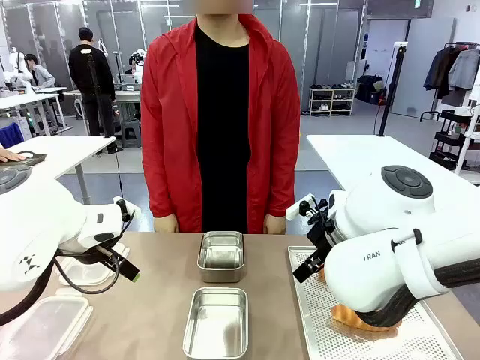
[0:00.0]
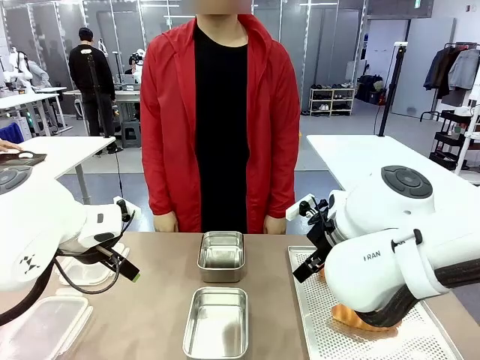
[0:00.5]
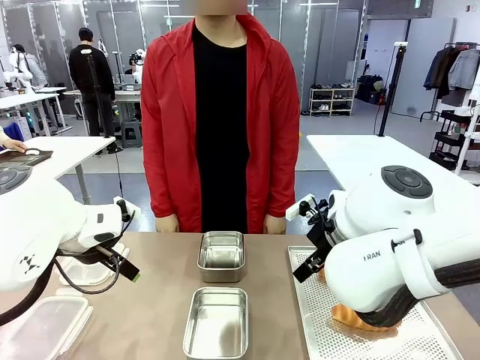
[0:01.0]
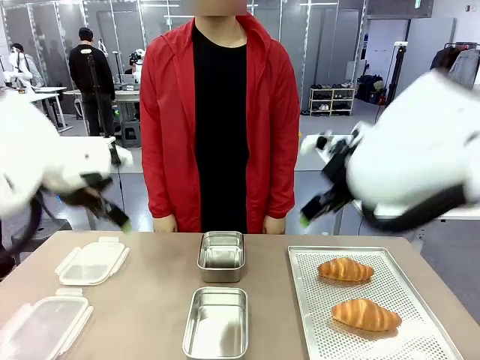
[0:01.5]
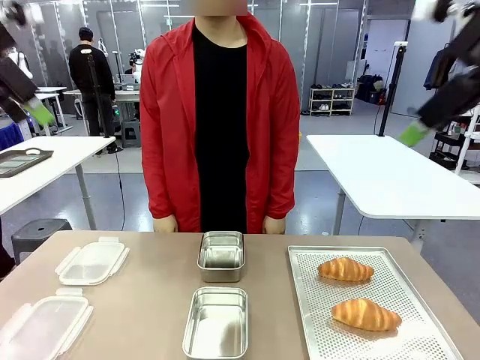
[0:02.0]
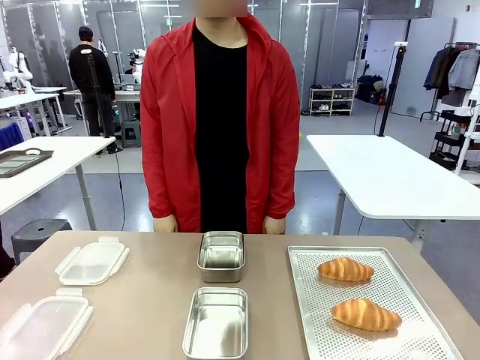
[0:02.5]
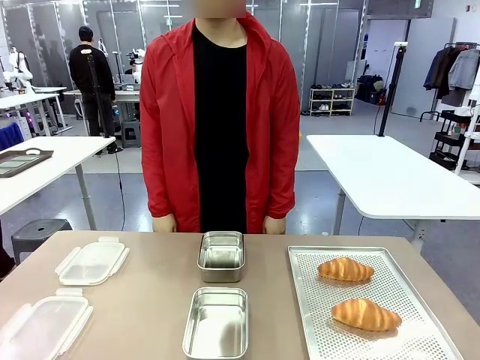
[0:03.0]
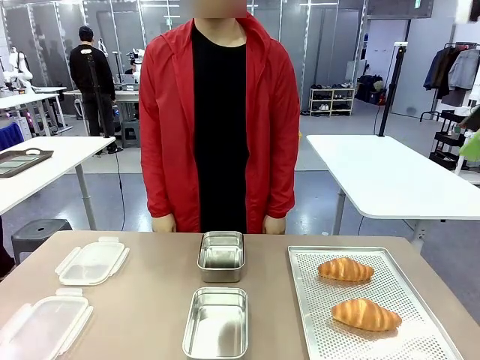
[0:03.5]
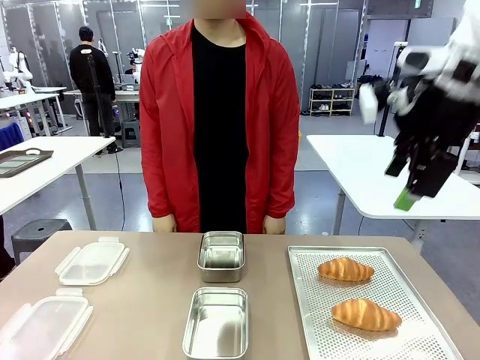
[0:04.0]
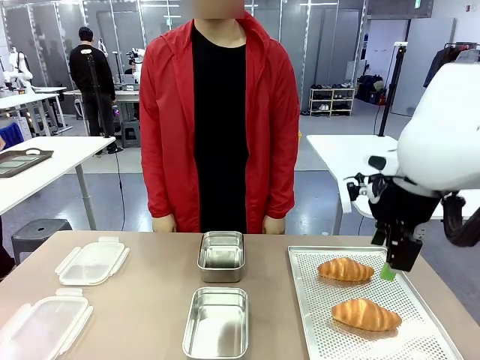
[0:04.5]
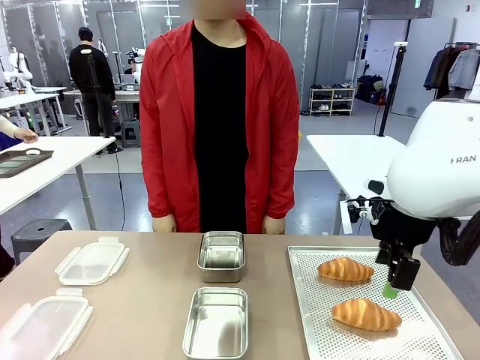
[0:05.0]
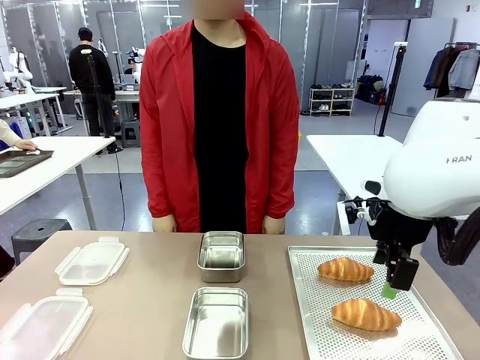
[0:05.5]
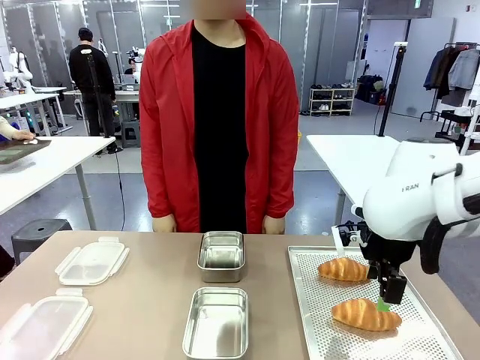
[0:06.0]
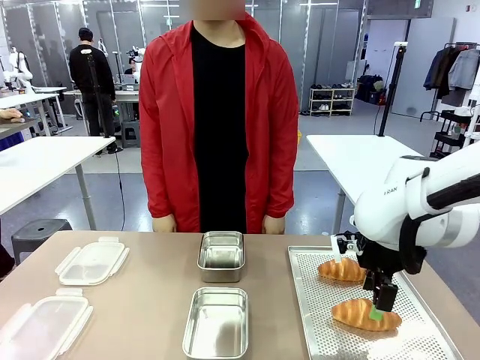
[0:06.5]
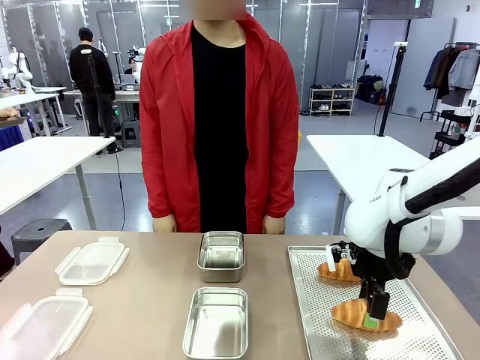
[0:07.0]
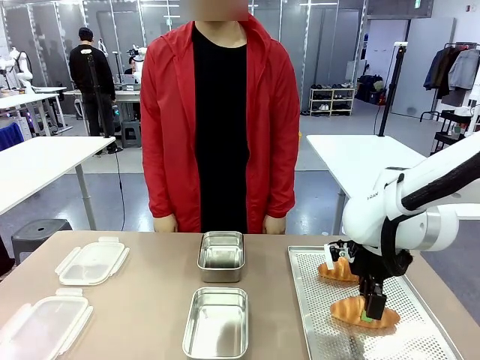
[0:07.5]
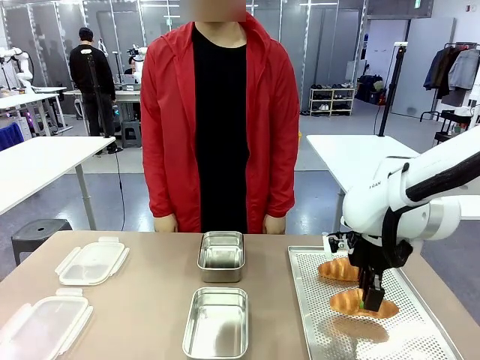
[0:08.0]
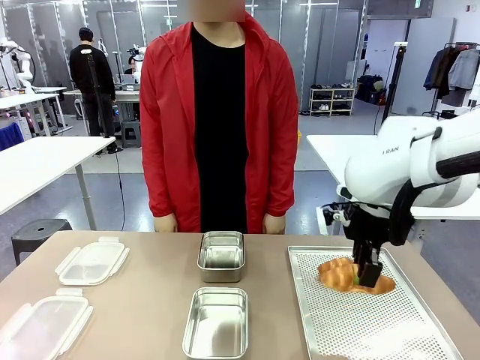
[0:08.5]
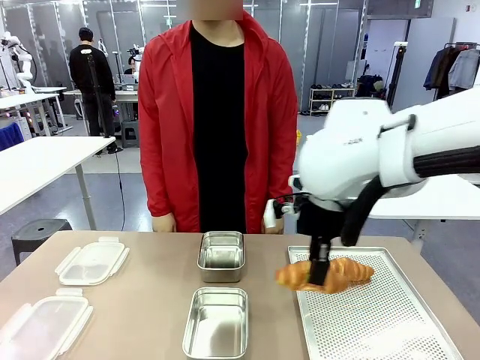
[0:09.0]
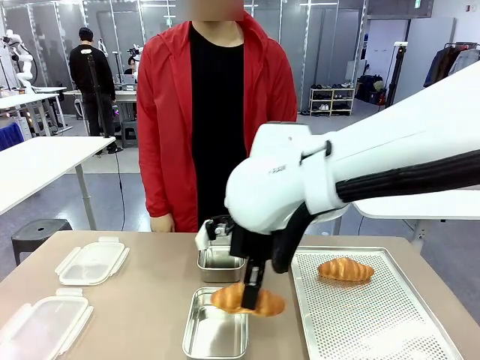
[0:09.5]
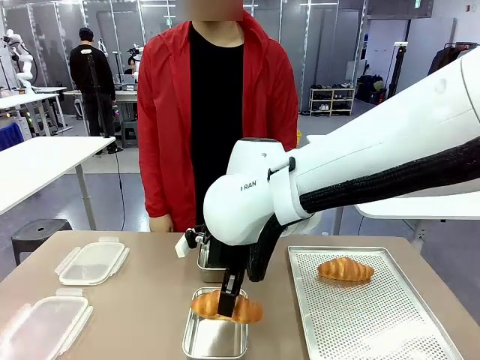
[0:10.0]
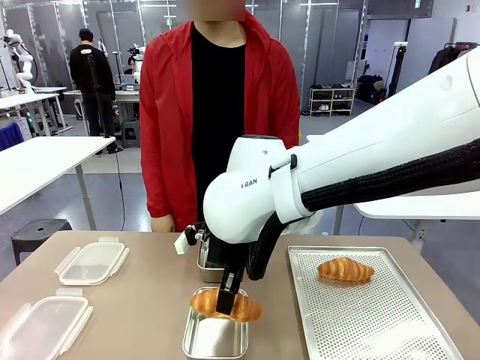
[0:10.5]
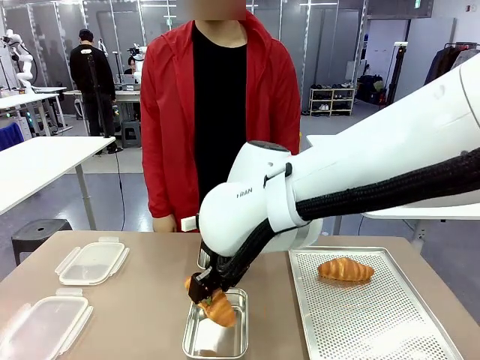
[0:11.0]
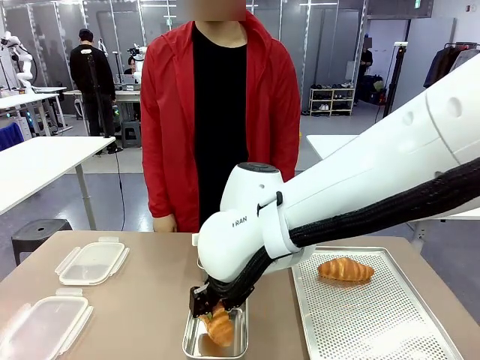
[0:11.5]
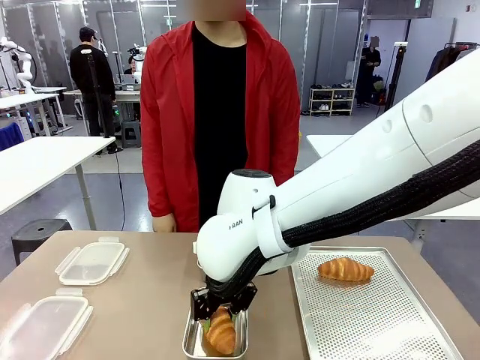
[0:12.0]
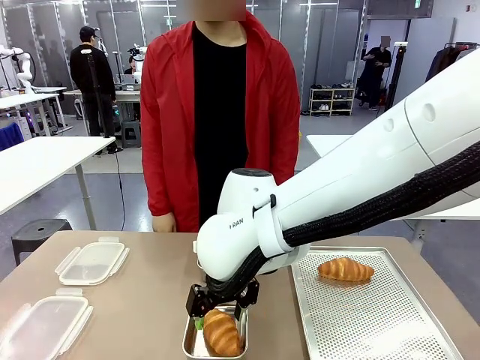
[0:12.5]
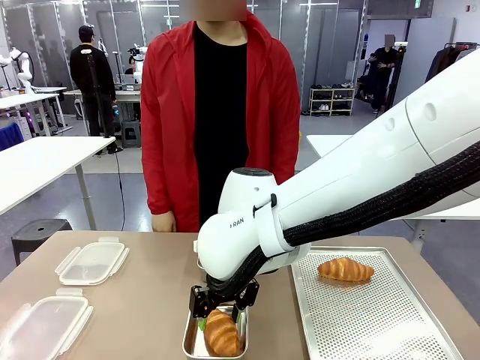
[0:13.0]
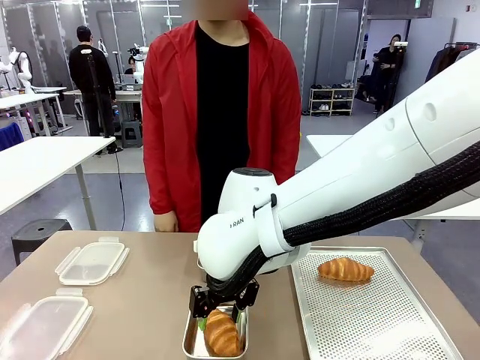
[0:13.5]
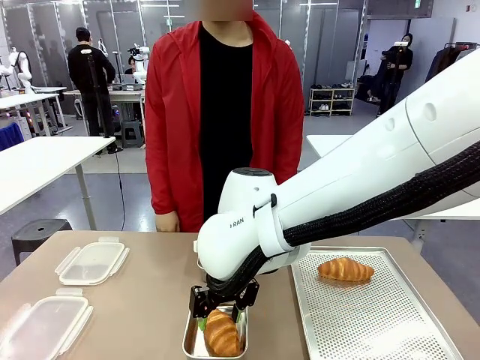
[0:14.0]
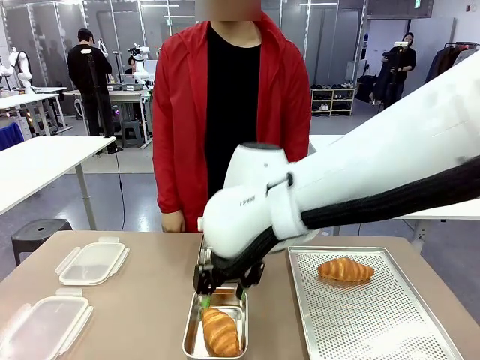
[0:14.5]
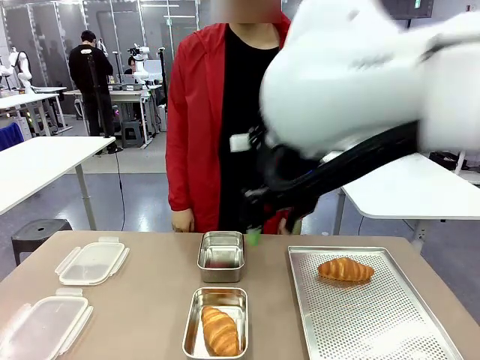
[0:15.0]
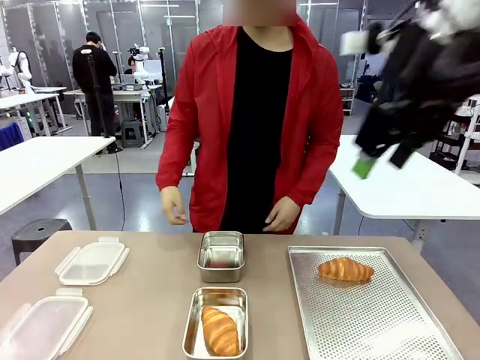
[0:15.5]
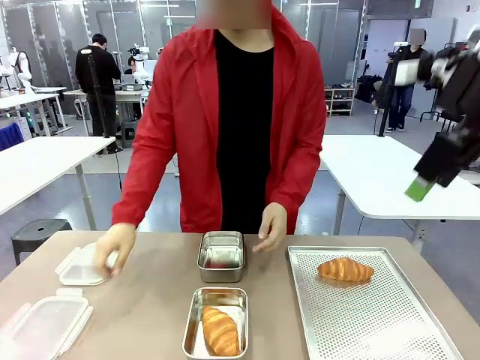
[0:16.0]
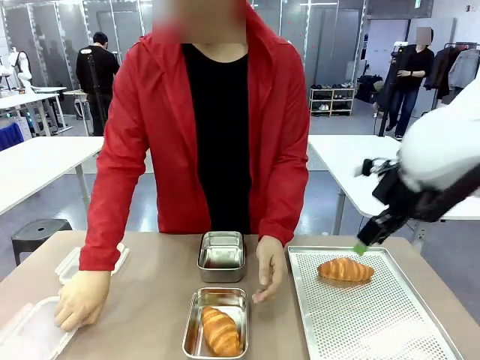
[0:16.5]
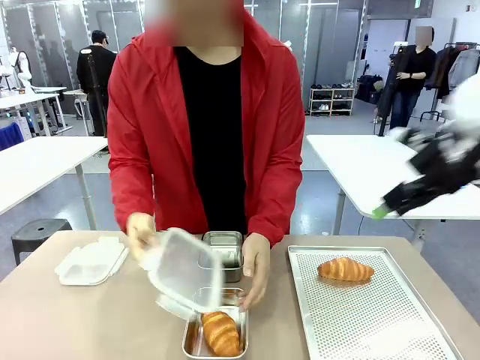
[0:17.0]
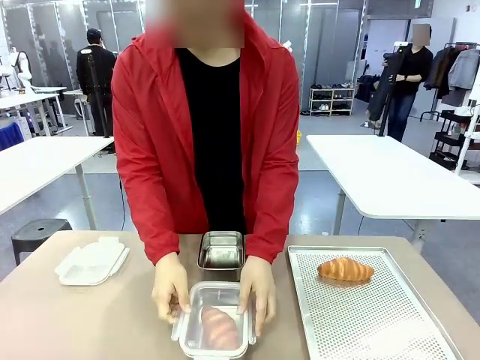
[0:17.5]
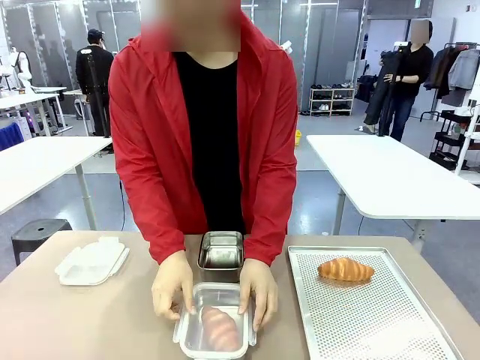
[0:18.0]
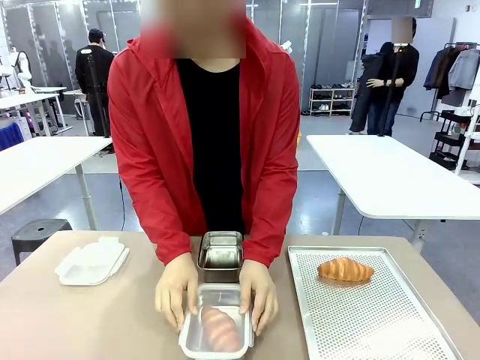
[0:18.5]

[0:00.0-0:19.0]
Task: Place the bread into the airtight container.
Robot: Pick up a Butter Roll and place it into an empty Airtight Container.
